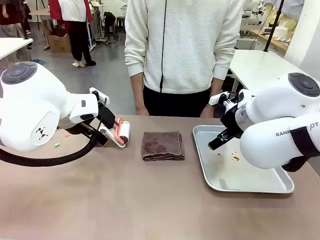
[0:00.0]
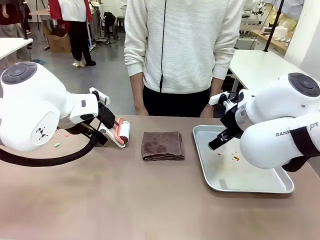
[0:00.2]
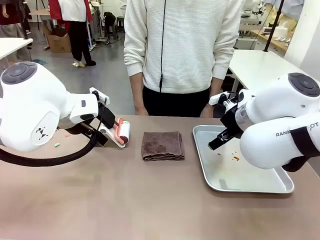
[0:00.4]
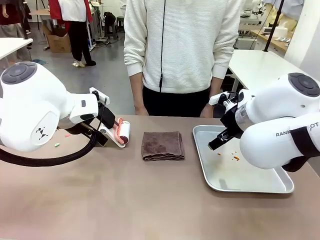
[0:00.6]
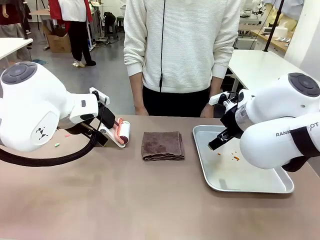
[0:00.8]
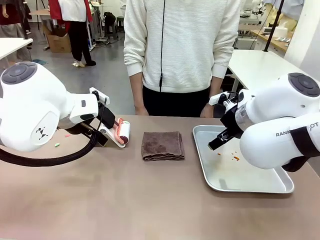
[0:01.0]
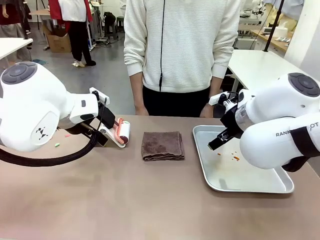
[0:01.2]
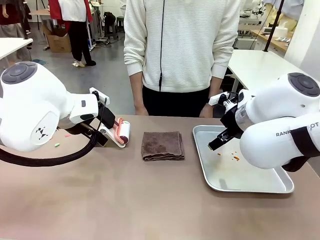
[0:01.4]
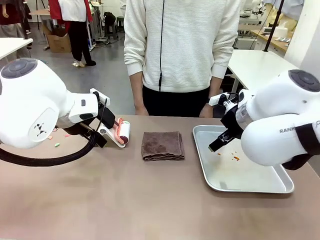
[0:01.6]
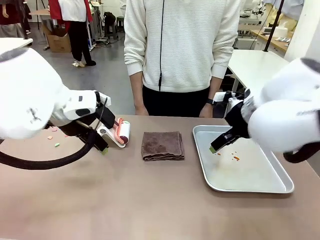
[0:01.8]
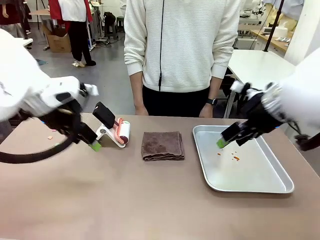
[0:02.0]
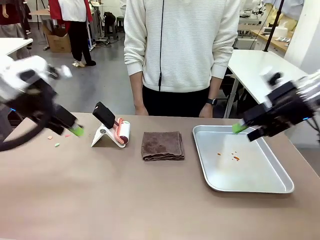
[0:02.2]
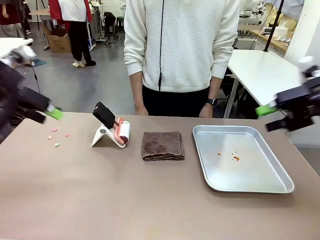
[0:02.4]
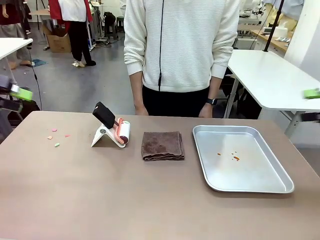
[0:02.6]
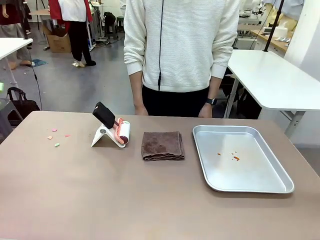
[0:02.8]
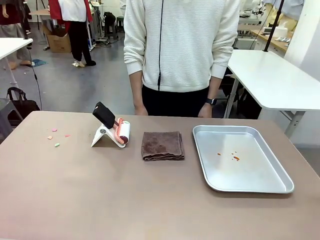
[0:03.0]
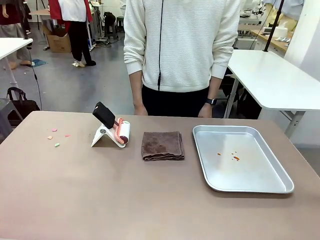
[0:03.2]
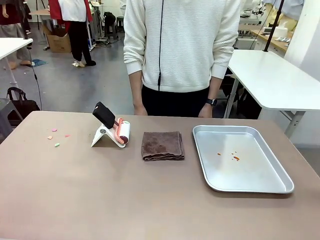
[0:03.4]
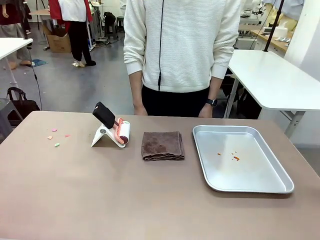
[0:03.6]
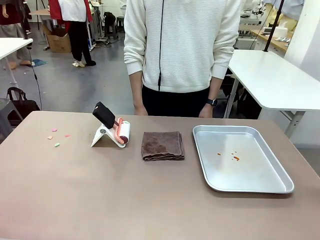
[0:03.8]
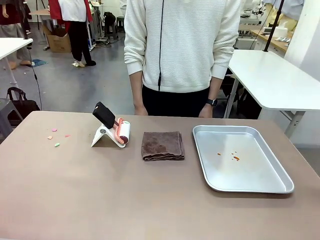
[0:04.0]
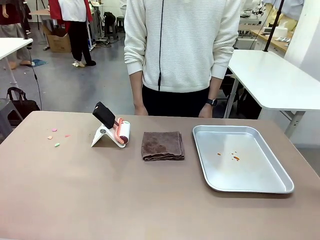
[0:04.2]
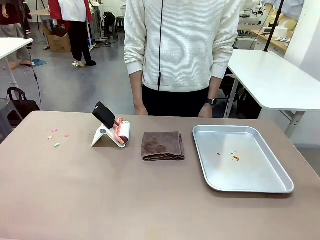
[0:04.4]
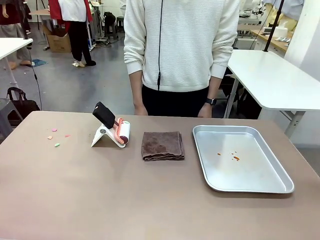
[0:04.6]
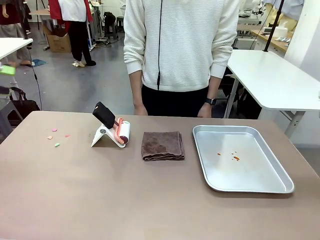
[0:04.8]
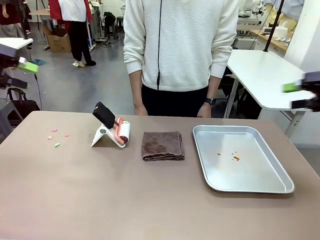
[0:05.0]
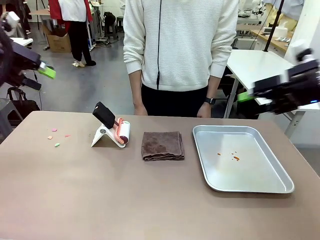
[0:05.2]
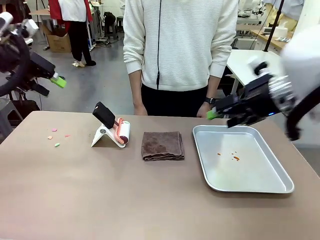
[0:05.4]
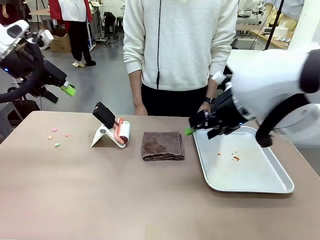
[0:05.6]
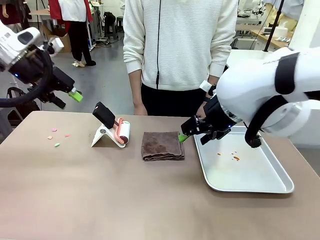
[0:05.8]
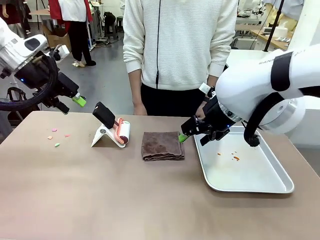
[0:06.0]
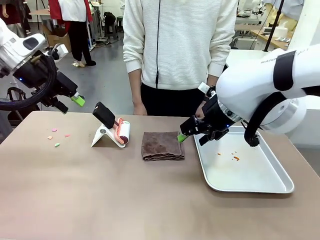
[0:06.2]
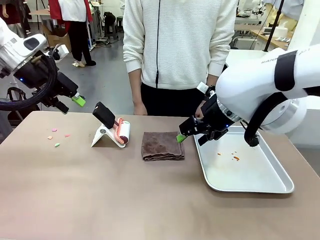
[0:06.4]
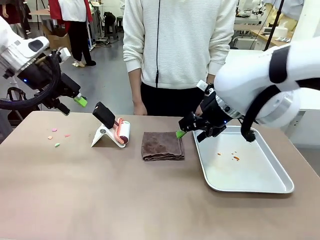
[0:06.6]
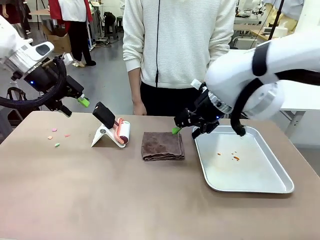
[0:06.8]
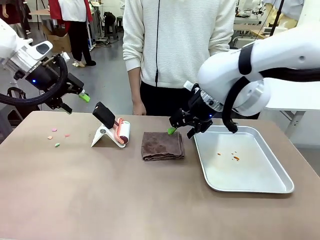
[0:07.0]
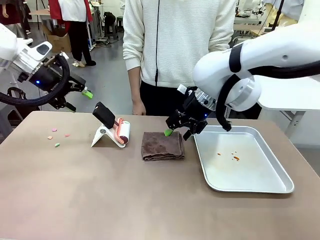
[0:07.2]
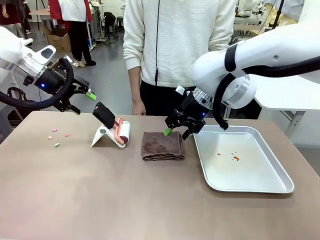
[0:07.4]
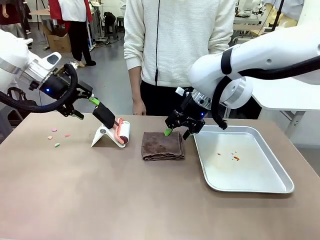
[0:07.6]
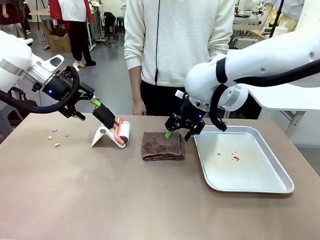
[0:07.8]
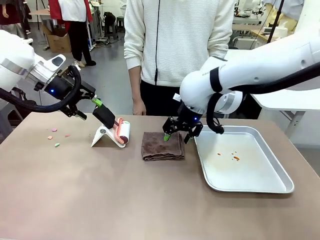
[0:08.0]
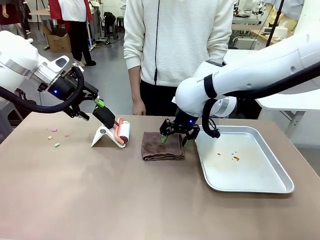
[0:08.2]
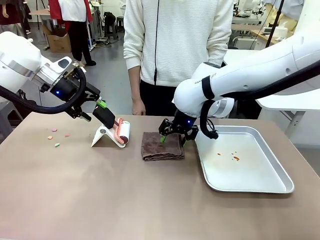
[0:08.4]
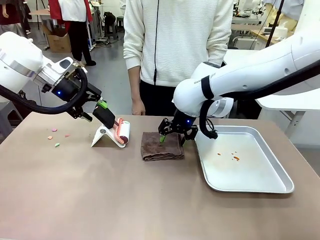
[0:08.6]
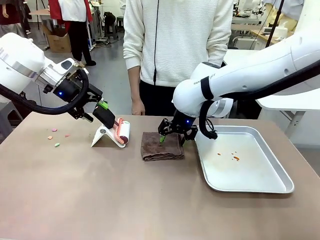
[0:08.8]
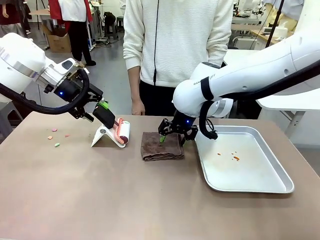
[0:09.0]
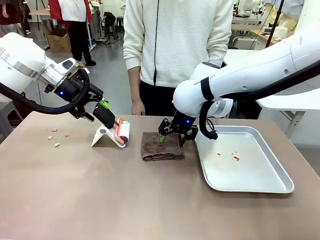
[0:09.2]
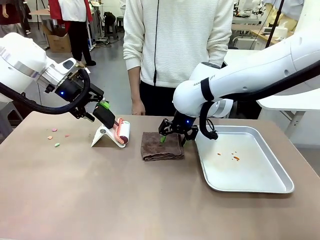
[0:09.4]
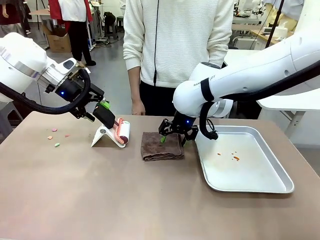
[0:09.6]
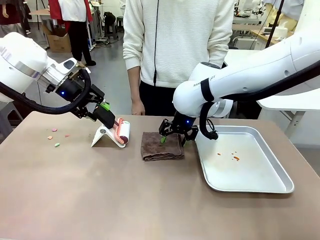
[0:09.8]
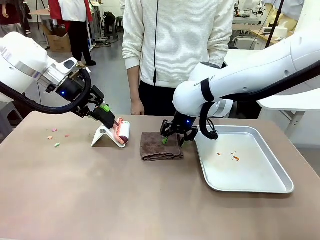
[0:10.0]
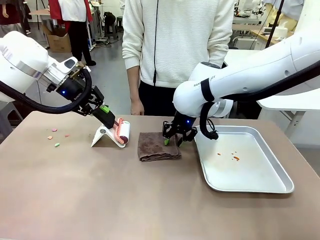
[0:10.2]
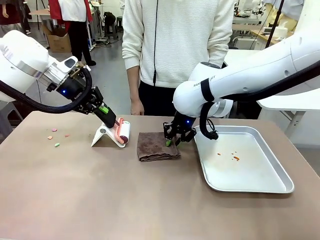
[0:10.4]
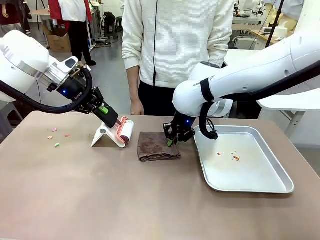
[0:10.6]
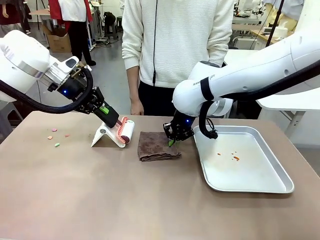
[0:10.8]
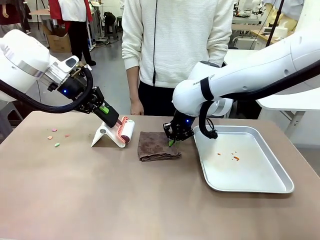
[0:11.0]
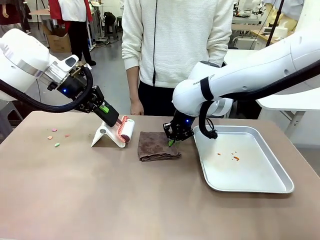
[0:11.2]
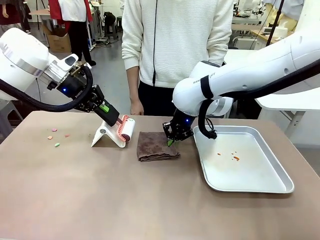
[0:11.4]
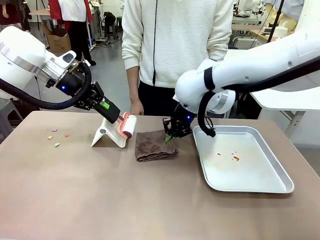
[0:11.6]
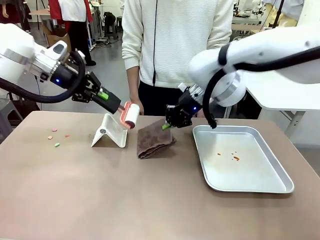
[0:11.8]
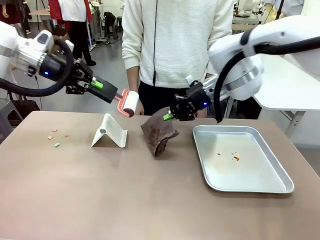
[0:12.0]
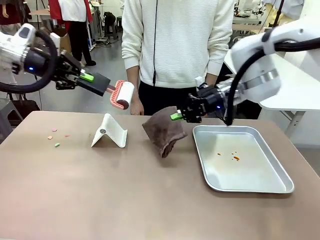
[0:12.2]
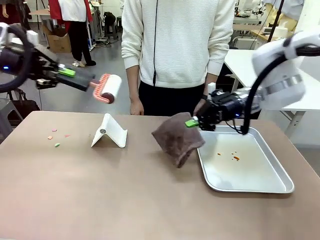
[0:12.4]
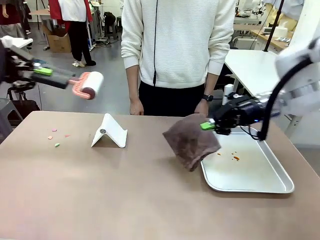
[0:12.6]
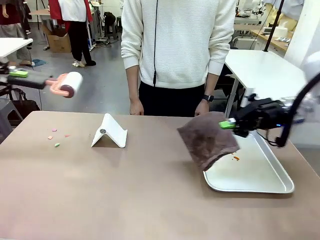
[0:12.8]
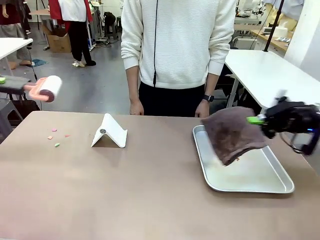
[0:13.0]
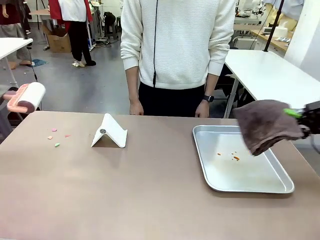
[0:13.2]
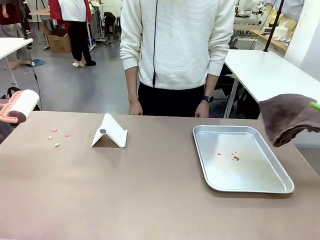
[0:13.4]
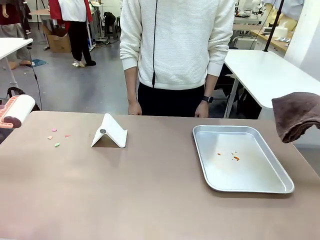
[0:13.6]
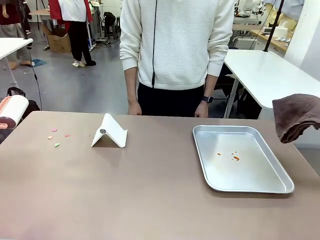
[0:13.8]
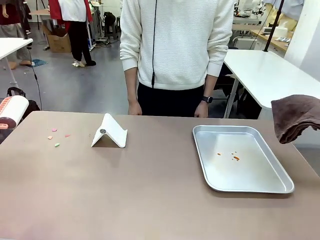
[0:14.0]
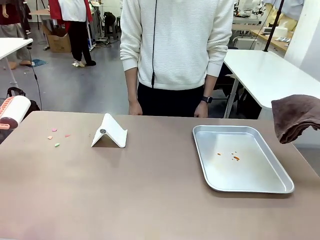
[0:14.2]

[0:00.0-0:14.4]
Task: Clean the surface of the table.
Robot: Hold the Lint Roller with your left hand and the towel with your right hand.

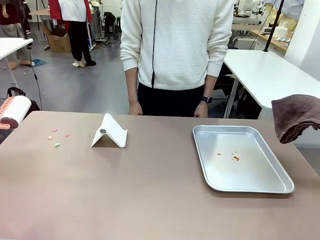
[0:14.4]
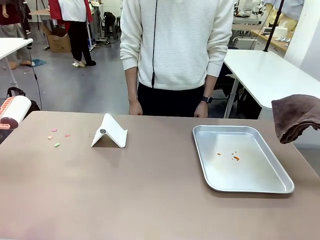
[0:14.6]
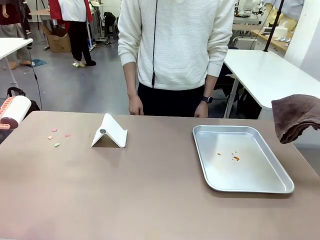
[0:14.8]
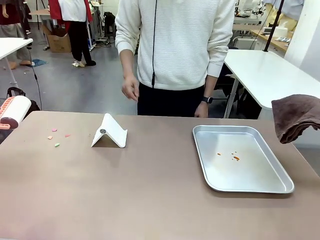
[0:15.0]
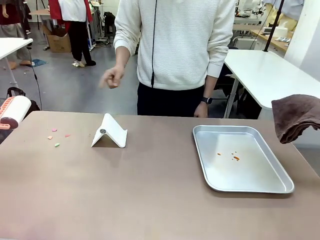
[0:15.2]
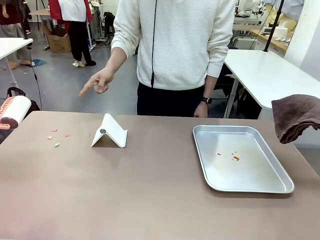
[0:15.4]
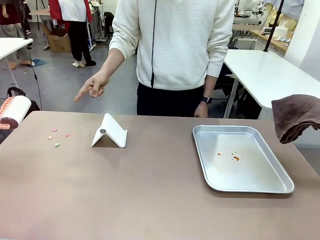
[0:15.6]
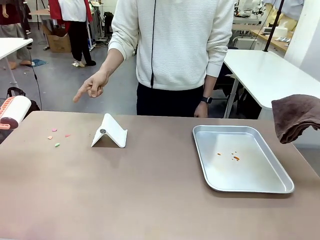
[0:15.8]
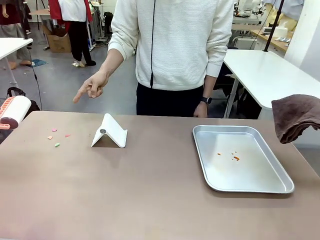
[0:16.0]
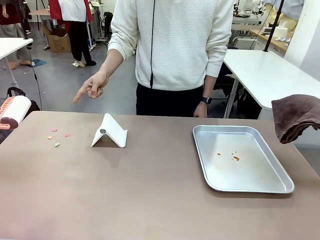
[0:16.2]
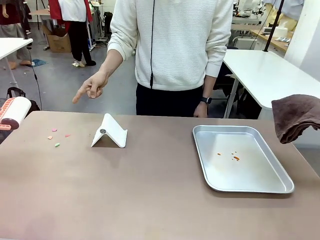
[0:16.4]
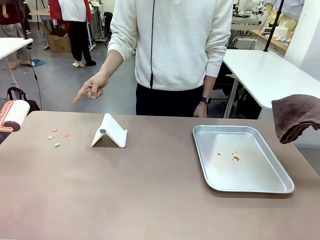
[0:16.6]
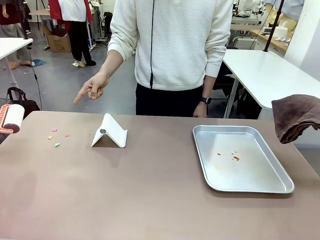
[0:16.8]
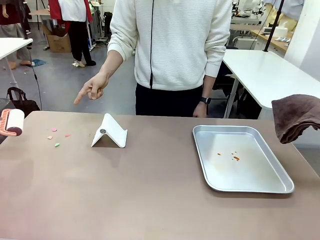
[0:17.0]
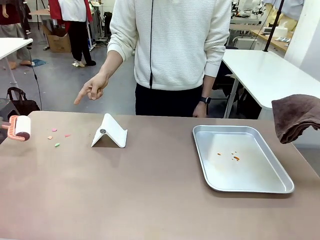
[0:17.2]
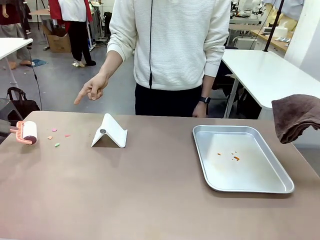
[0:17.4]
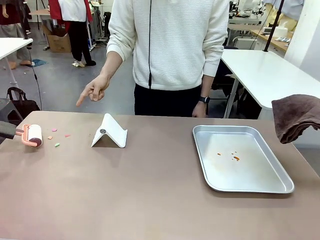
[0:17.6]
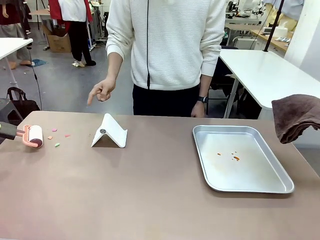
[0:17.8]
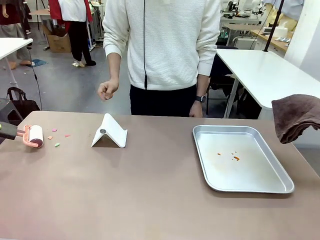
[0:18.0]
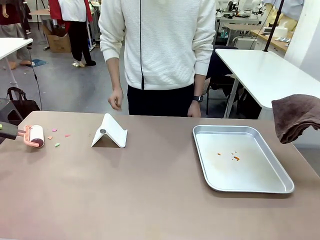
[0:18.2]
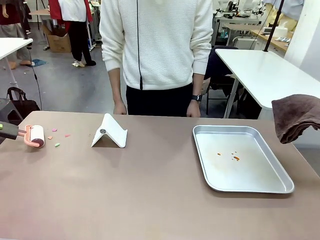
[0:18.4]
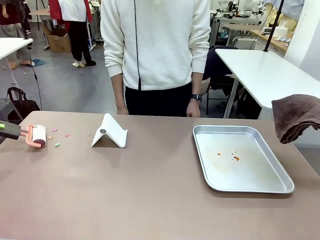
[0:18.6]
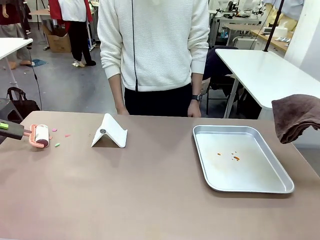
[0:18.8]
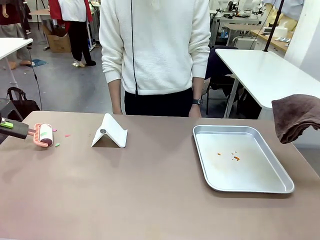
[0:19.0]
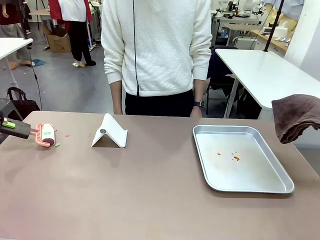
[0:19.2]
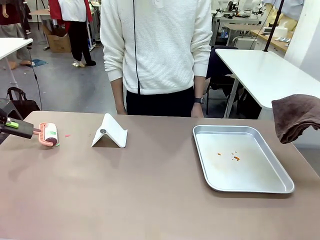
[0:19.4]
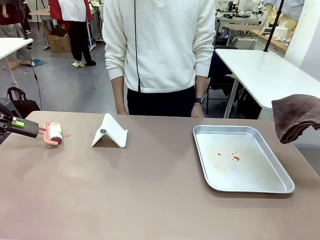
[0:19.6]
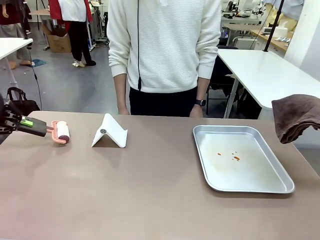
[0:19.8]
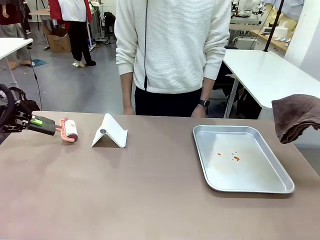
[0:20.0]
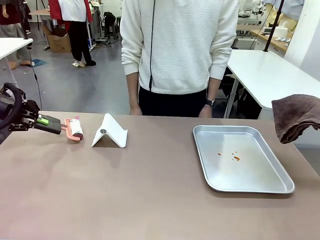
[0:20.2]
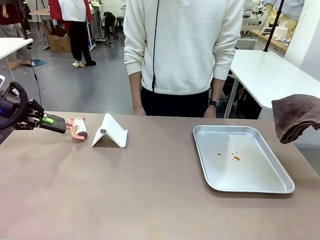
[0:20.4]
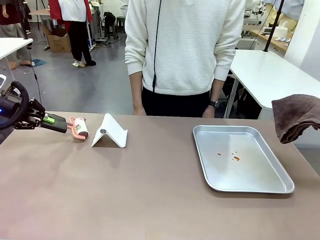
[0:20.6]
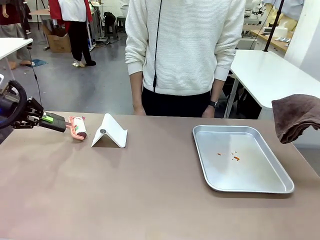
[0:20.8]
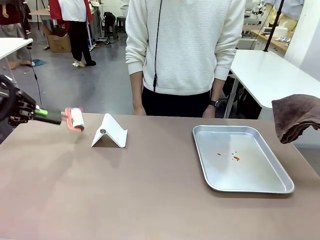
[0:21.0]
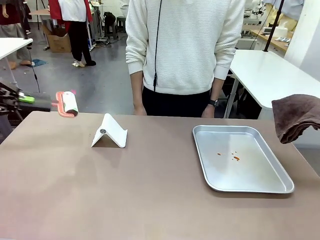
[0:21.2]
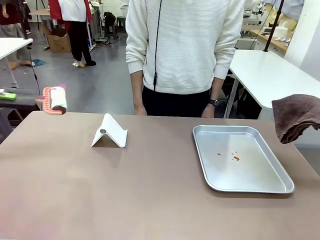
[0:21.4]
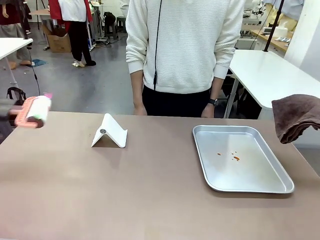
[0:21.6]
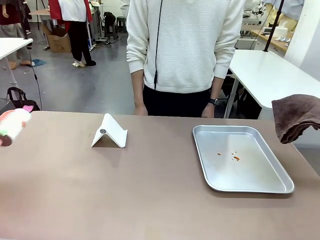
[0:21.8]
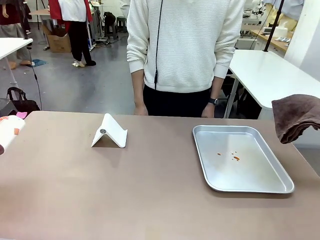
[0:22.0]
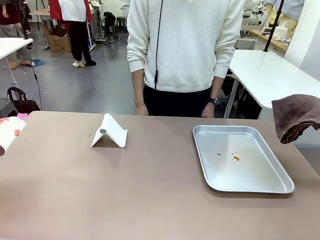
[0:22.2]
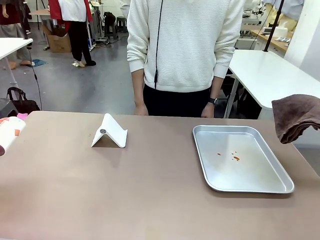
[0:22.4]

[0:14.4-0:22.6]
Robot: If a person points to the right, clean the right side of the table with your right hand, and if they point to the left, clean the left side with your left hand.
